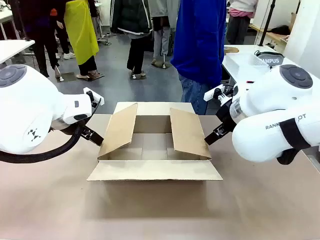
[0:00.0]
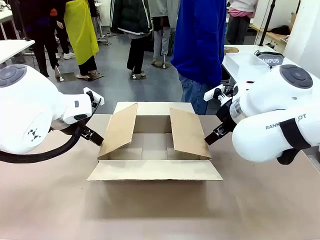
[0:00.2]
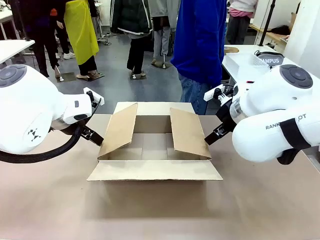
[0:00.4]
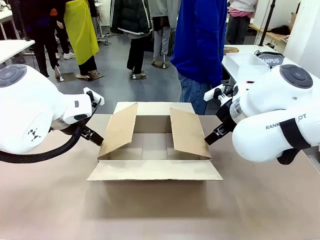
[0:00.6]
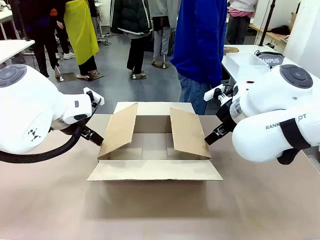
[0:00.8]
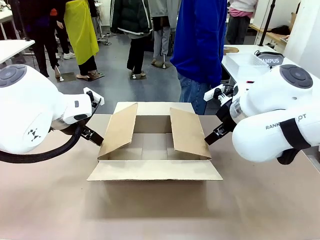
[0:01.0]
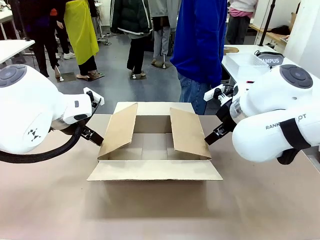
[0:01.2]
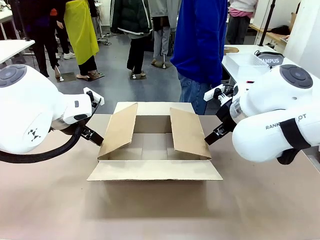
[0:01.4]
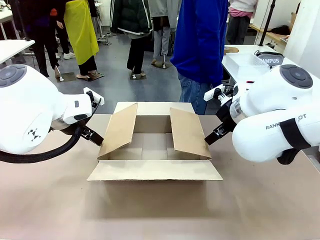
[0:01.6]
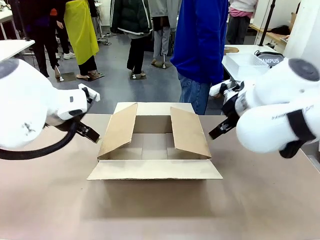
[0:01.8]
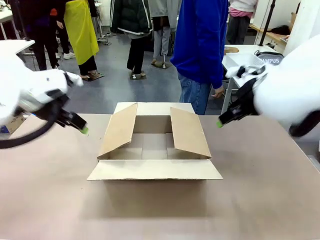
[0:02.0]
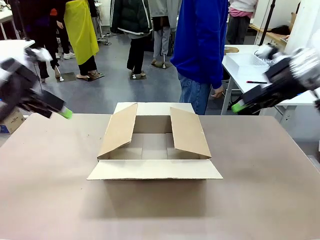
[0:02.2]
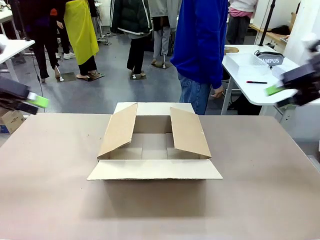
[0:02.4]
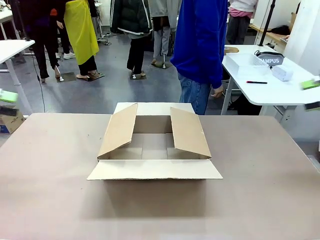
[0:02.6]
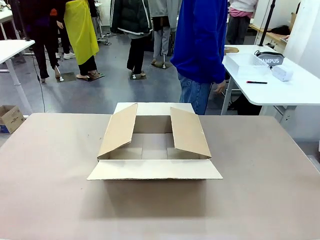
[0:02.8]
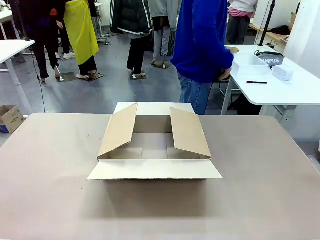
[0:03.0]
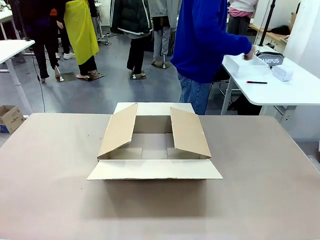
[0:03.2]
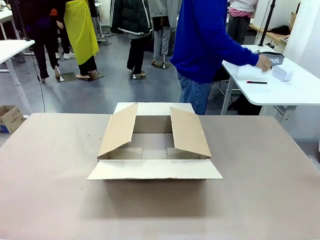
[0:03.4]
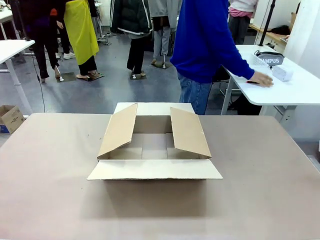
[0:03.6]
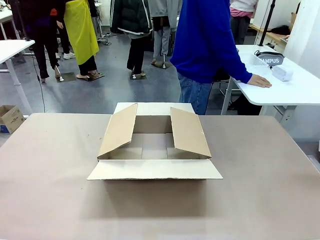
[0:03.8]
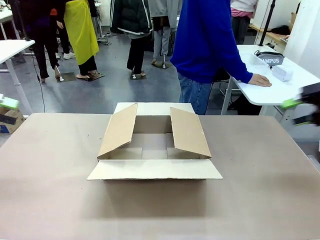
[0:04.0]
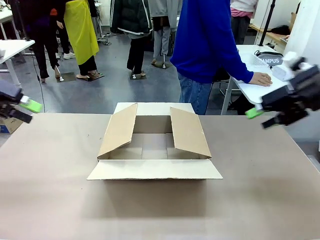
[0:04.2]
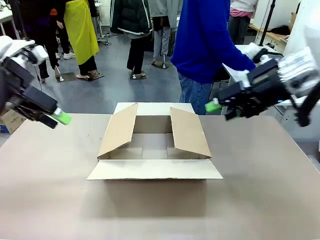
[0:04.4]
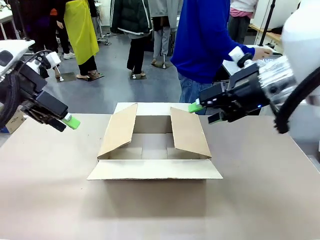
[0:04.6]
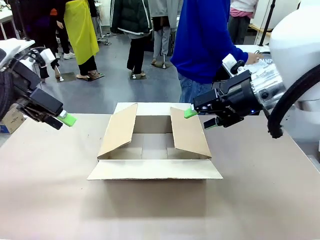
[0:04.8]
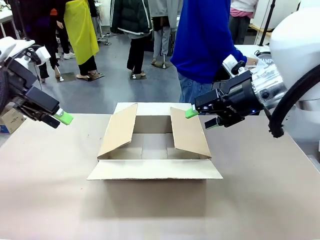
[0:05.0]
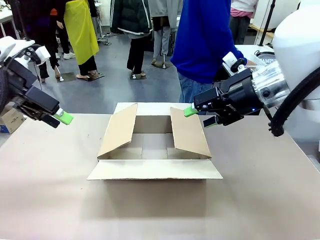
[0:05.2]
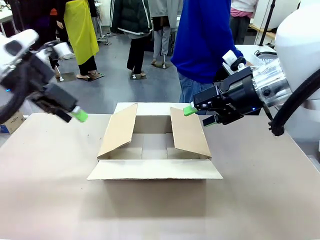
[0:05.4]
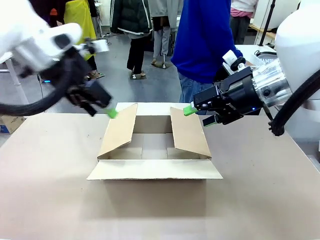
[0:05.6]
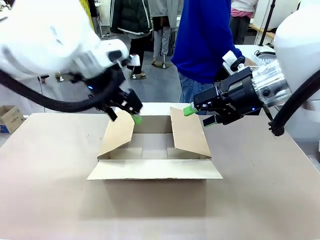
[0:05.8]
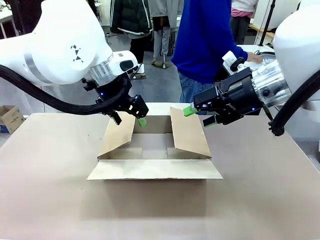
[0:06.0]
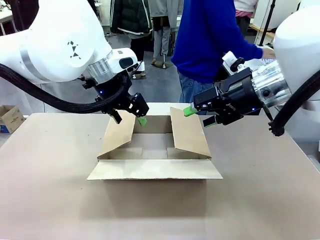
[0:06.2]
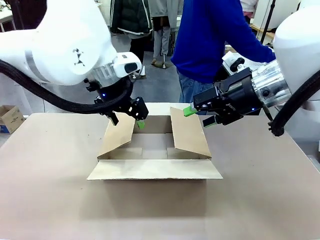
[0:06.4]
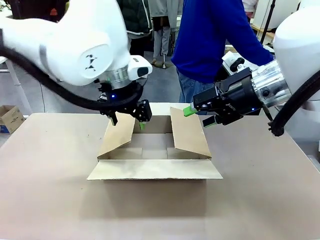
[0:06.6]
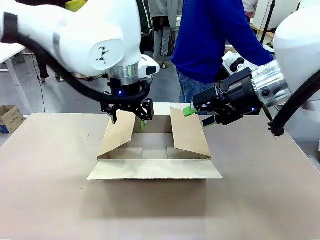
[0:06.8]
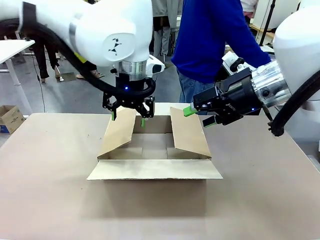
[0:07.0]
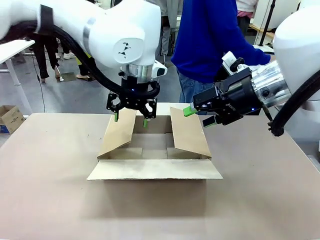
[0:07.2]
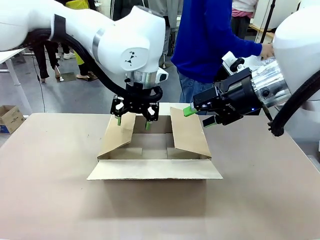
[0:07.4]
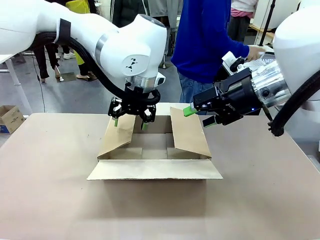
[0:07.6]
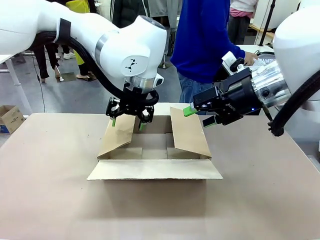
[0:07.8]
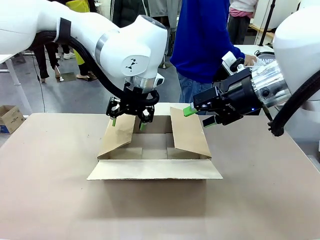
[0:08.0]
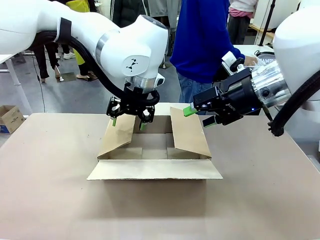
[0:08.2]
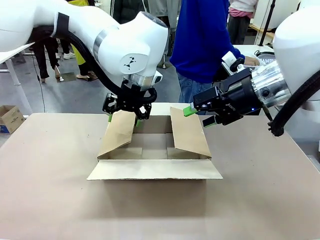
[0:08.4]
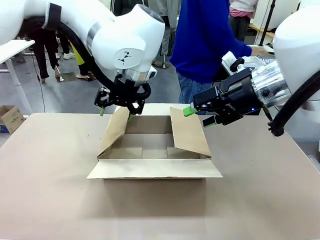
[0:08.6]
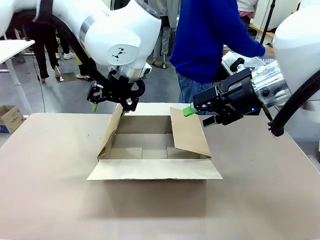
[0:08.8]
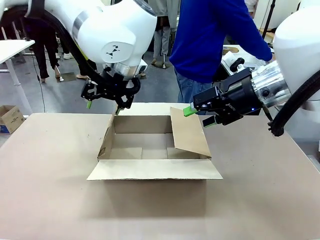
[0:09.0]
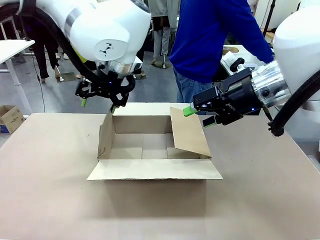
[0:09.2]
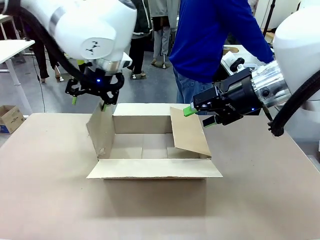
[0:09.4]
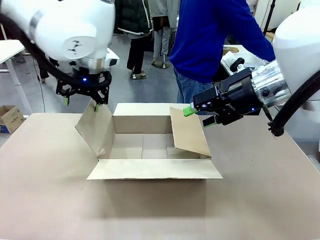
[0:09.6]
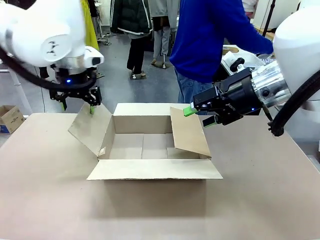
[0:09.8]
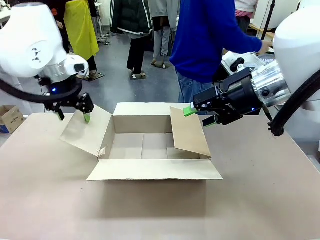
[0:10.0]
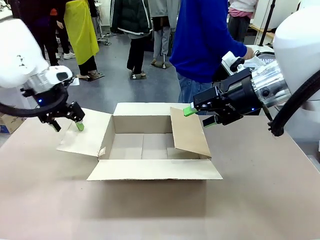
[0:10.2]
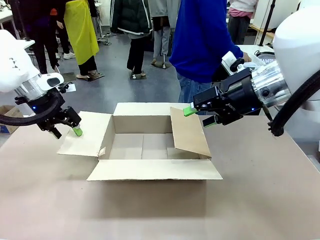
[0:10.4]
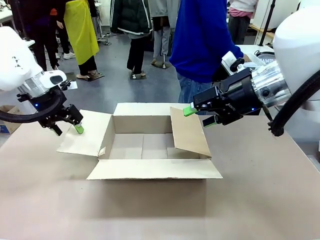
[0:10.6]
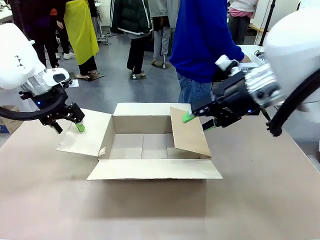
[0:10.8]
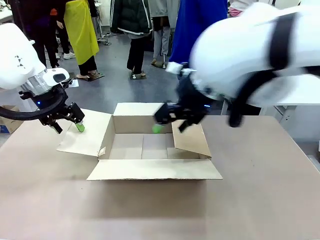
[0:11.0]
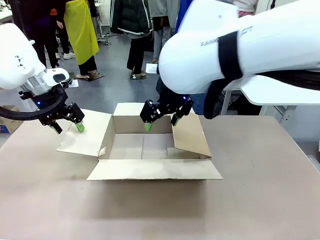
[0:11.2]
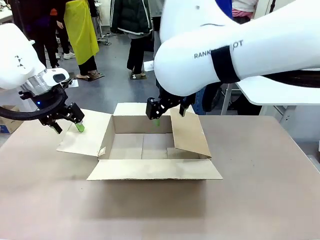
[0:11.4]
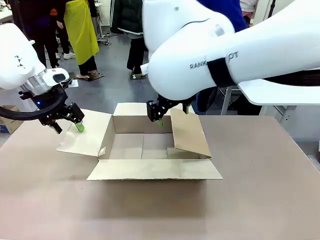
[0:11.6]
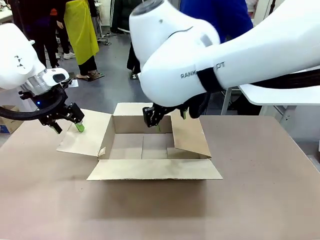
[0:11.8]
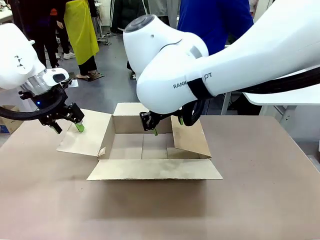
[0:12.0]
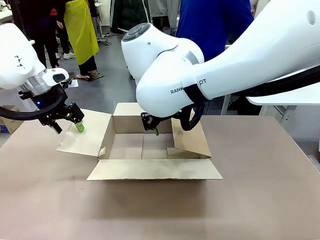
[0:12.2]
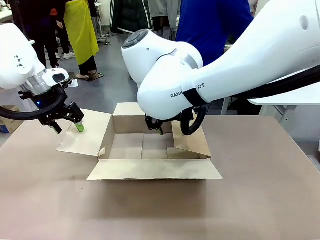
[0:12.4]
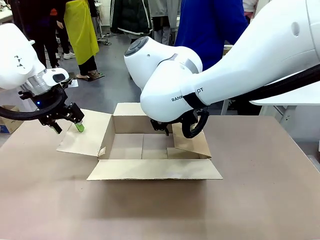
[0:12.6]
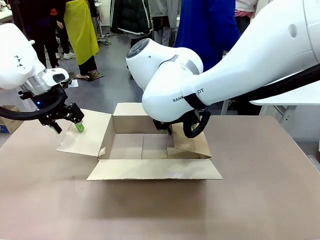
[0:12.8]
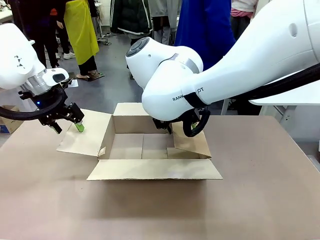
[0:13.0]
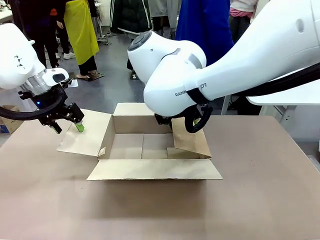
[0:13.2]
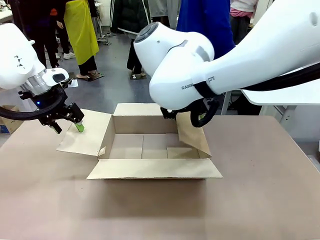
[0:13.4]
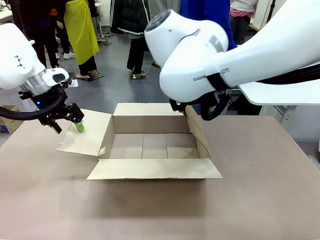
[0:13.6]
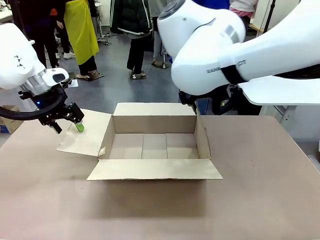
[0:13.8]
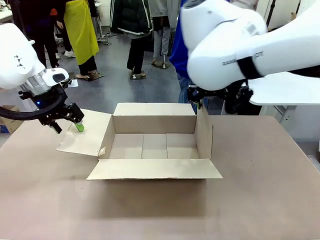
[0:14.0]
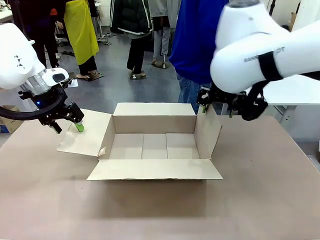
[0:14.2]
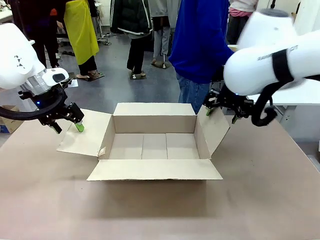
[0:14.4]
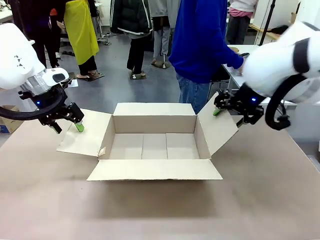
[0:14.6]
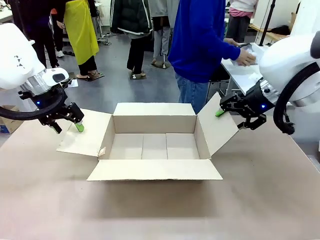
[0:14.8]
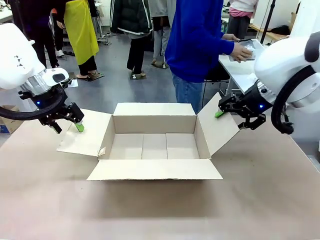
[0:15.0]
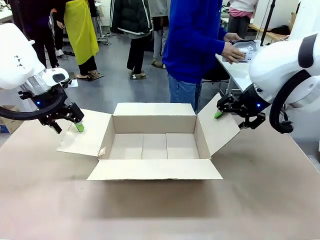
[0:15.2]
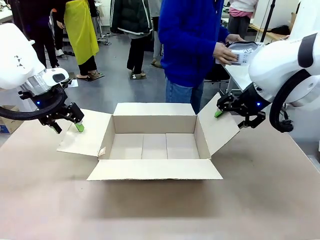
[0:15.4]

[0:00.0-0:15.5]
Task: Pack the gift set into the box.
Robot: Place both hands on the side flaps of the Package Box and spread them outward.
Person: The human places all items except the paper tape into the organizing basket.

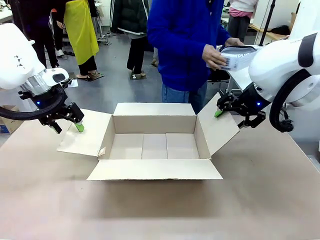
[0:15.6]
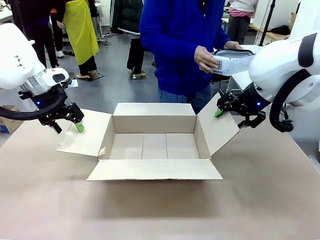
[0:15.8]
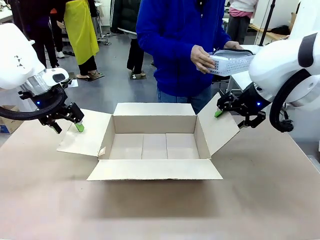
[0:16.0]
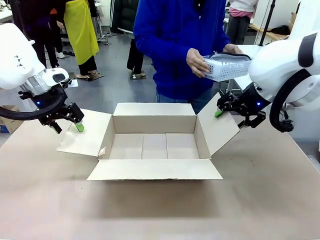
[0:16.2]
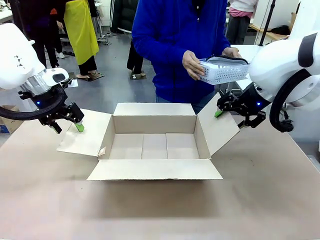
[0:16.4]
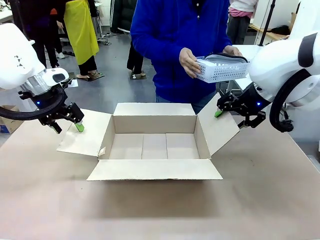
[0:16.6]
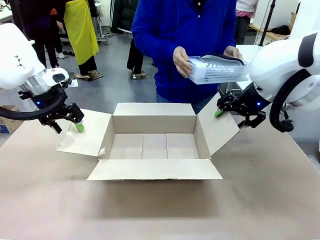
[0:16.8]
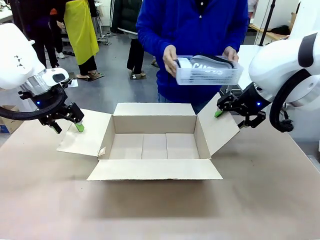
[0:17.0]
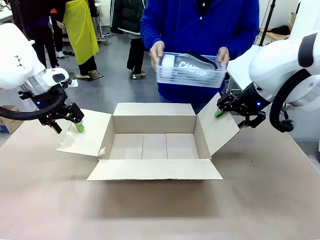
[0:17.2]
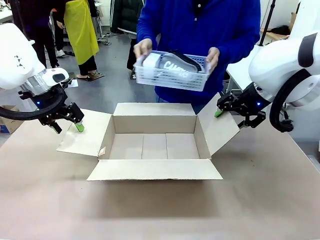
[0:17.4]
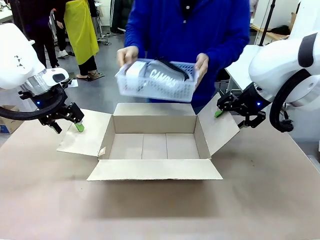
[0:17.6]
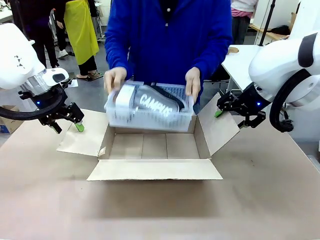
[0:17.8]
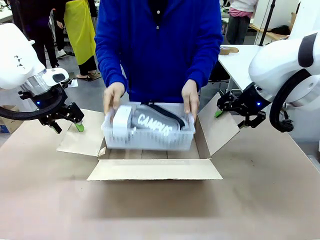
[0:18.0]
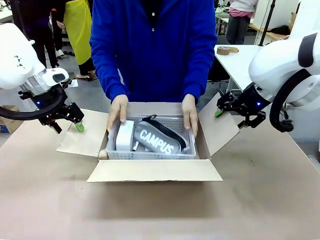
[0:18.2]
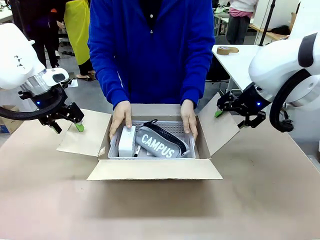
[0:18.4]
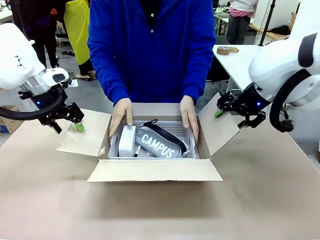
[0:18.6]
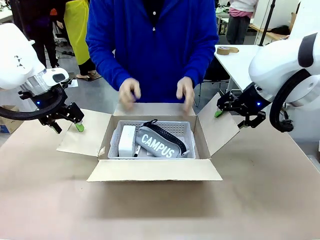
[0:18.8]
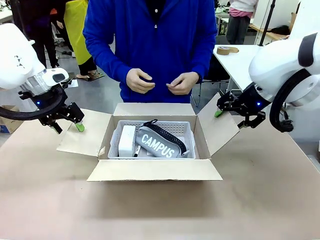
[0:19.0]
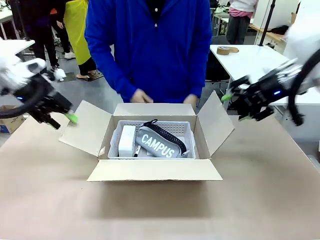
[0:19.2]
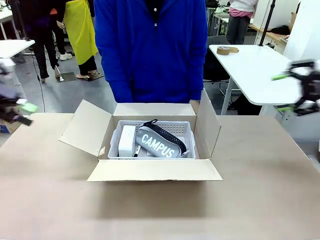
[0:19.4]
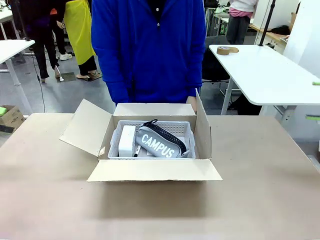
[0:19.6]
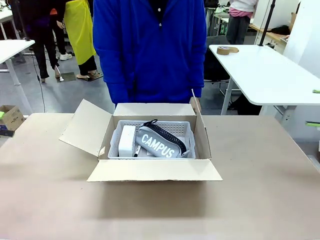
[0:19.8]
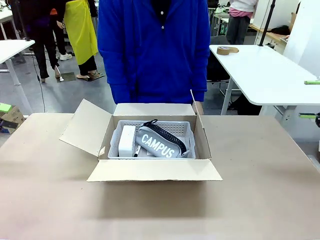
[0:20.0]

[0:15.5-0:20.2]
Robot: Lift both hands away from the flaps of the Package Box.
Person: The human picks up the organizing basket and places the organizing basket into the package box on the robot table.
